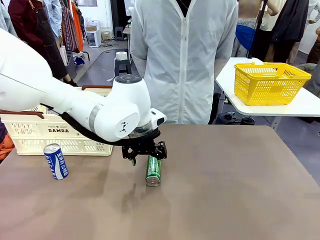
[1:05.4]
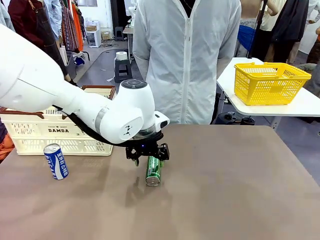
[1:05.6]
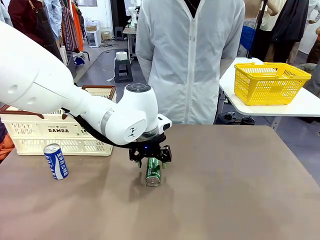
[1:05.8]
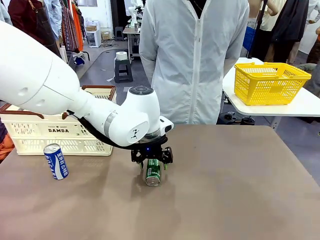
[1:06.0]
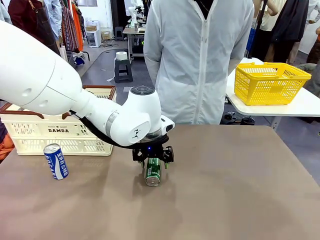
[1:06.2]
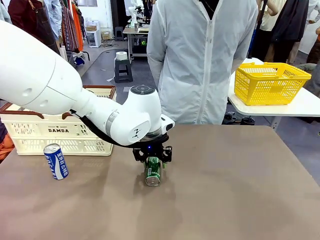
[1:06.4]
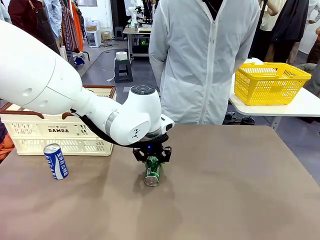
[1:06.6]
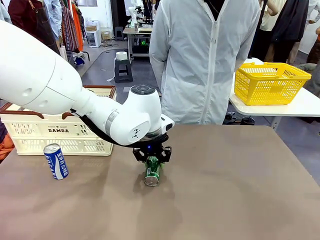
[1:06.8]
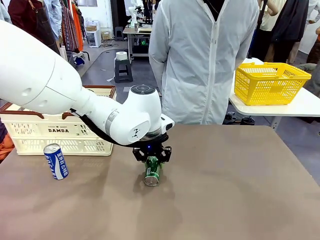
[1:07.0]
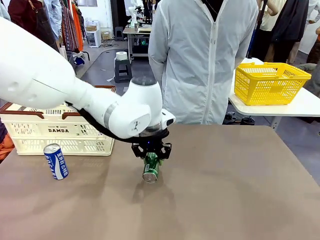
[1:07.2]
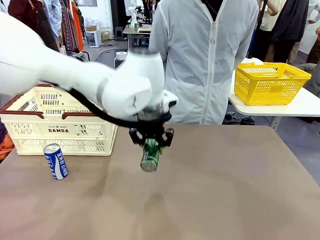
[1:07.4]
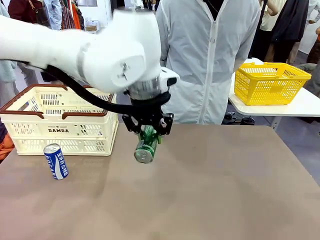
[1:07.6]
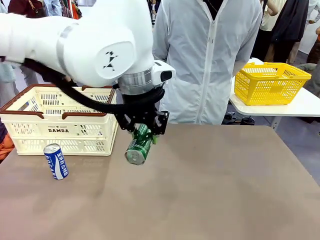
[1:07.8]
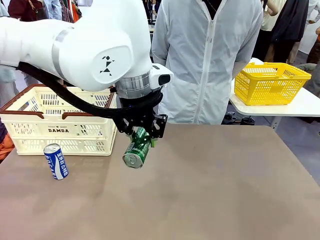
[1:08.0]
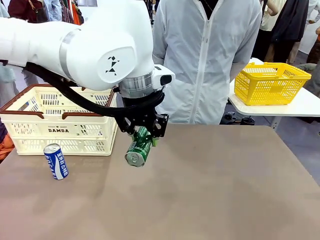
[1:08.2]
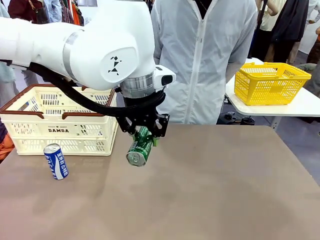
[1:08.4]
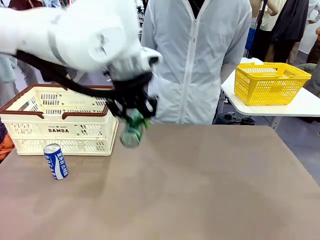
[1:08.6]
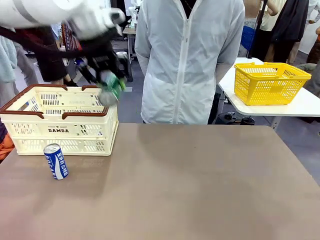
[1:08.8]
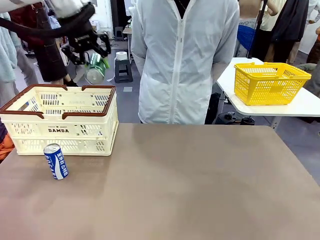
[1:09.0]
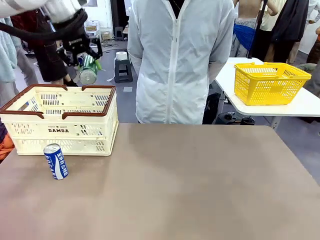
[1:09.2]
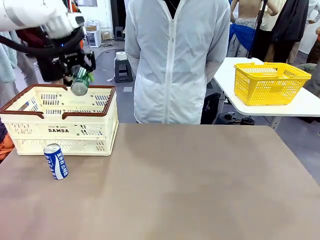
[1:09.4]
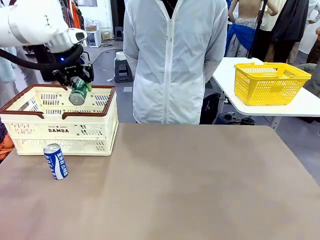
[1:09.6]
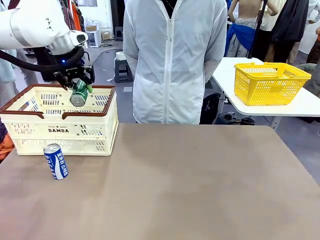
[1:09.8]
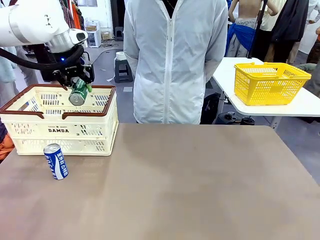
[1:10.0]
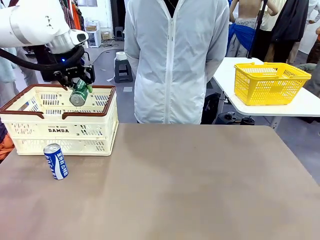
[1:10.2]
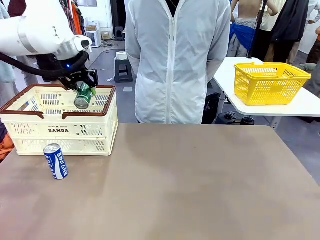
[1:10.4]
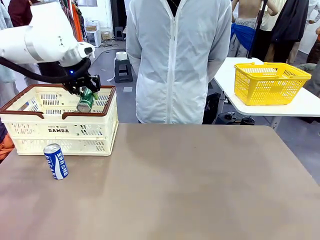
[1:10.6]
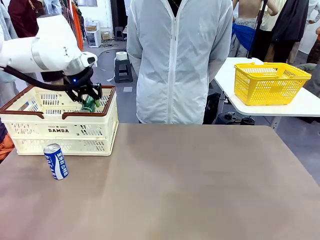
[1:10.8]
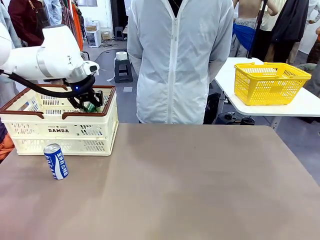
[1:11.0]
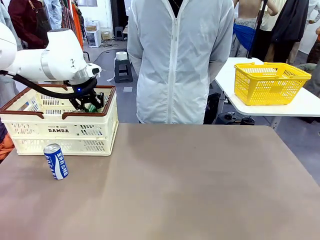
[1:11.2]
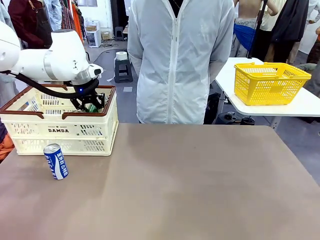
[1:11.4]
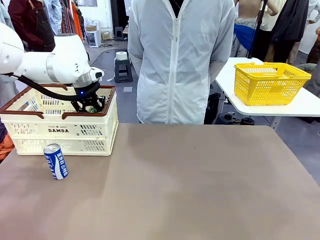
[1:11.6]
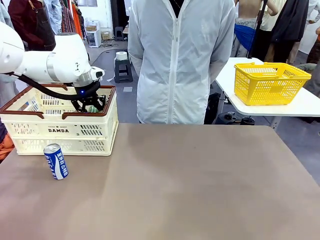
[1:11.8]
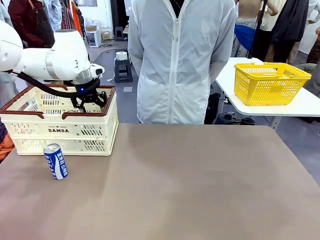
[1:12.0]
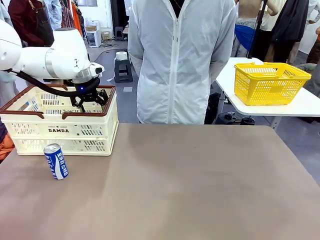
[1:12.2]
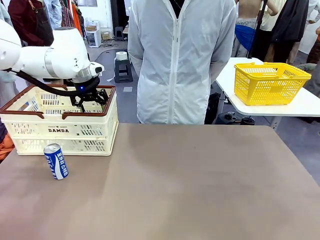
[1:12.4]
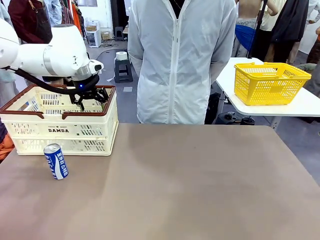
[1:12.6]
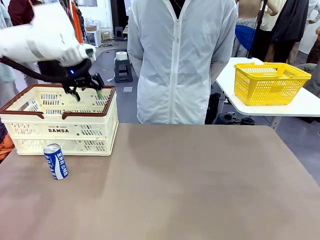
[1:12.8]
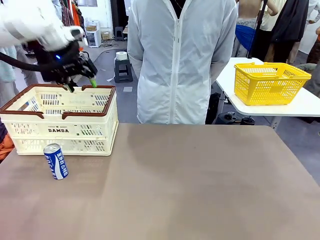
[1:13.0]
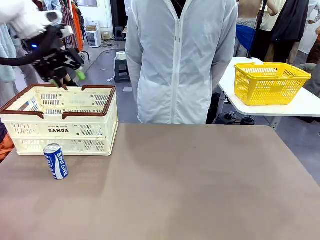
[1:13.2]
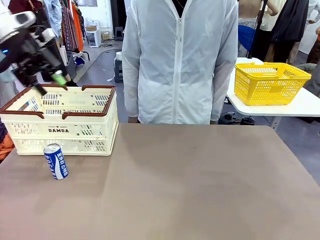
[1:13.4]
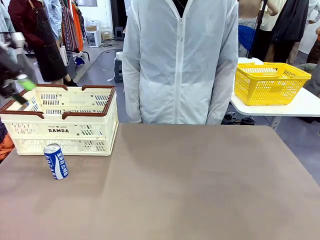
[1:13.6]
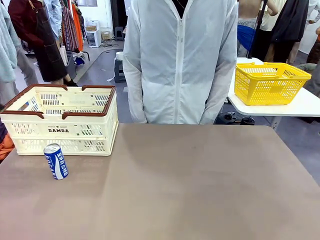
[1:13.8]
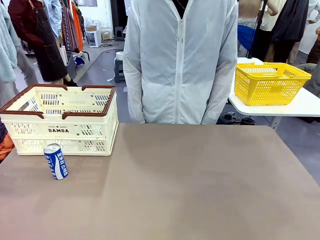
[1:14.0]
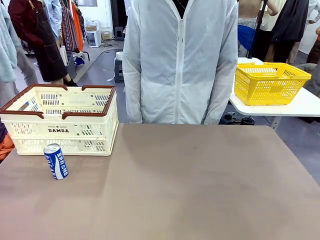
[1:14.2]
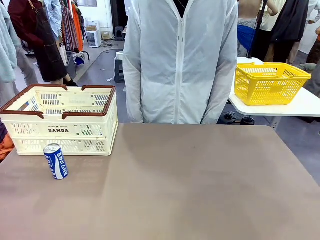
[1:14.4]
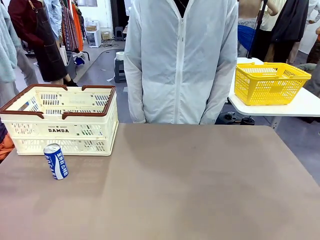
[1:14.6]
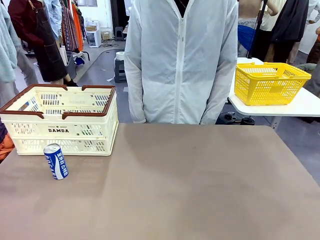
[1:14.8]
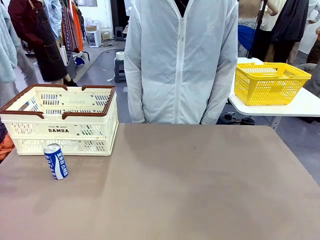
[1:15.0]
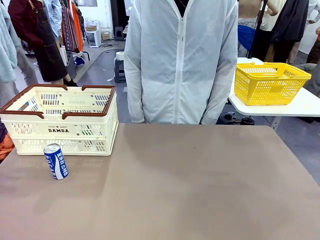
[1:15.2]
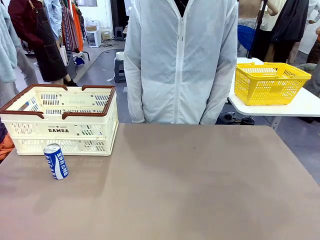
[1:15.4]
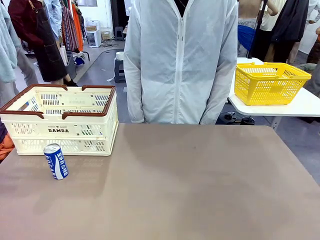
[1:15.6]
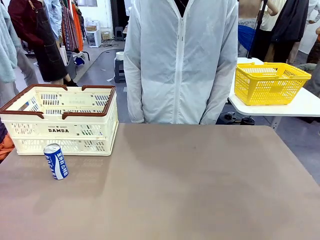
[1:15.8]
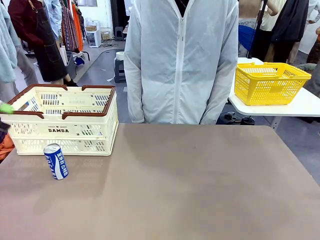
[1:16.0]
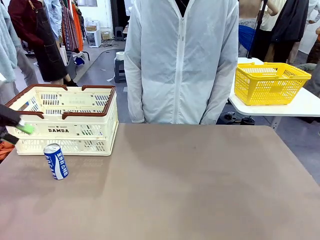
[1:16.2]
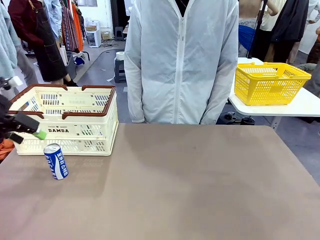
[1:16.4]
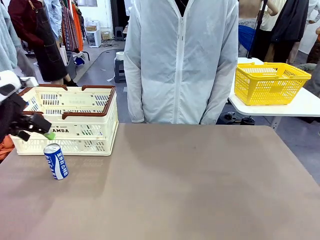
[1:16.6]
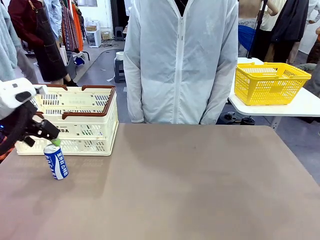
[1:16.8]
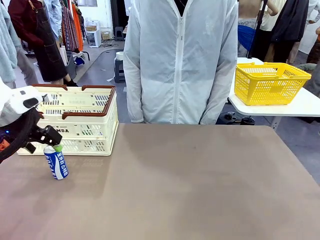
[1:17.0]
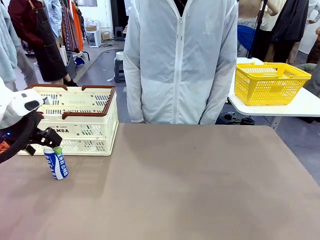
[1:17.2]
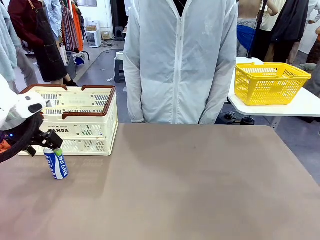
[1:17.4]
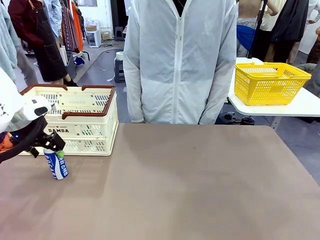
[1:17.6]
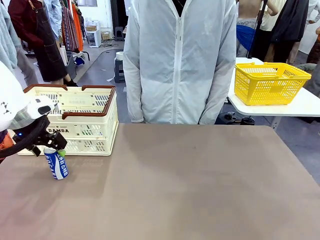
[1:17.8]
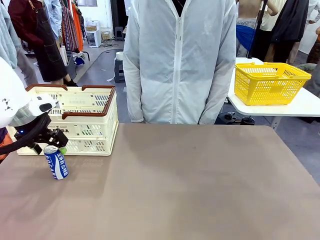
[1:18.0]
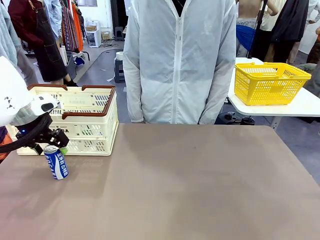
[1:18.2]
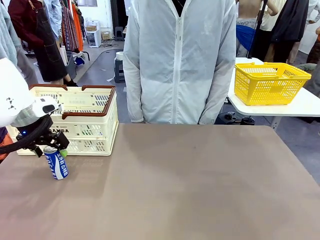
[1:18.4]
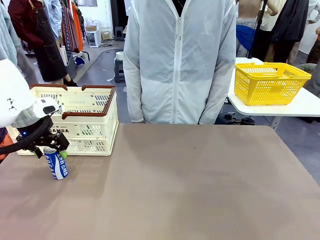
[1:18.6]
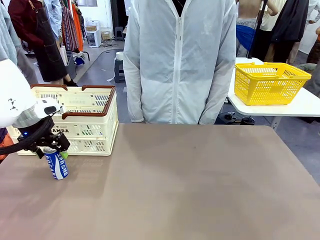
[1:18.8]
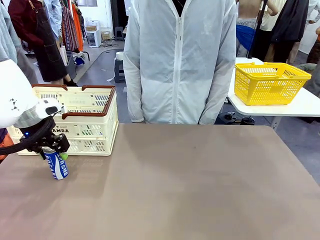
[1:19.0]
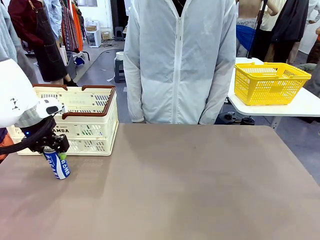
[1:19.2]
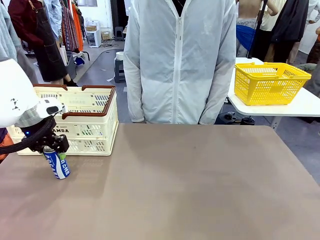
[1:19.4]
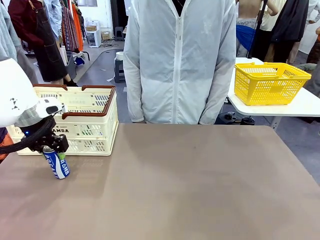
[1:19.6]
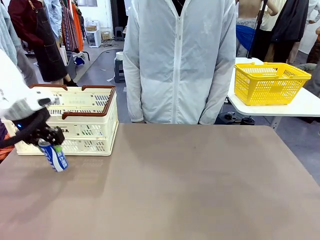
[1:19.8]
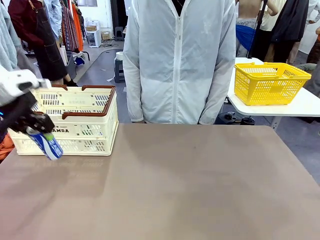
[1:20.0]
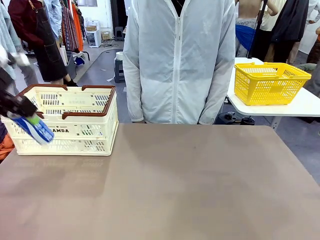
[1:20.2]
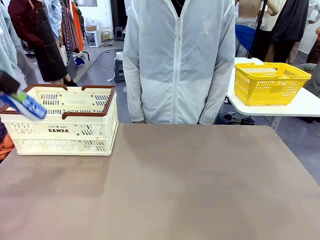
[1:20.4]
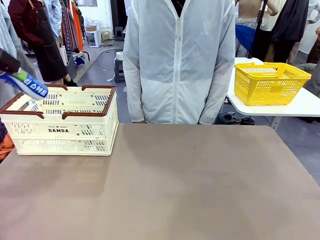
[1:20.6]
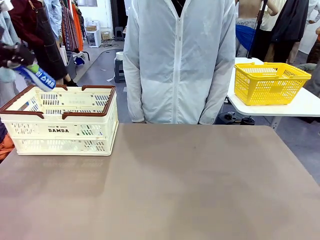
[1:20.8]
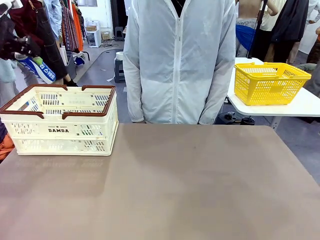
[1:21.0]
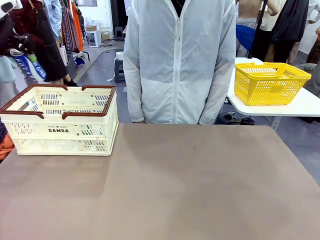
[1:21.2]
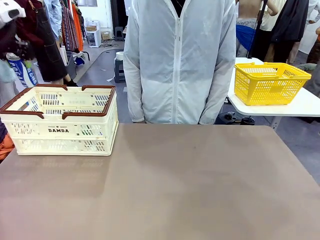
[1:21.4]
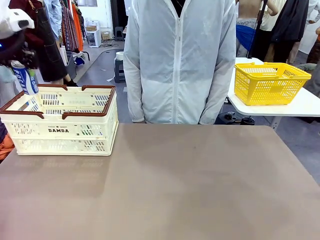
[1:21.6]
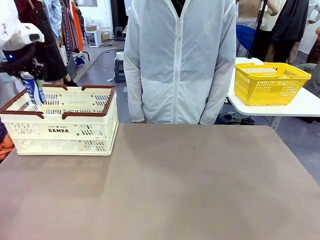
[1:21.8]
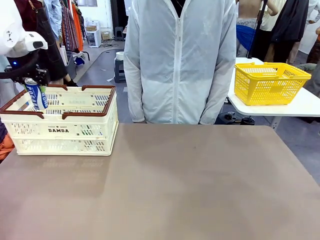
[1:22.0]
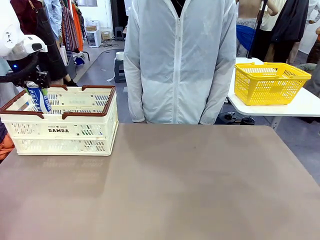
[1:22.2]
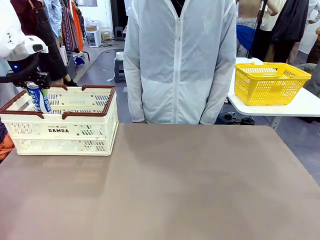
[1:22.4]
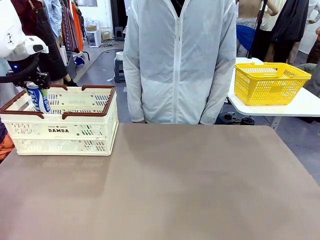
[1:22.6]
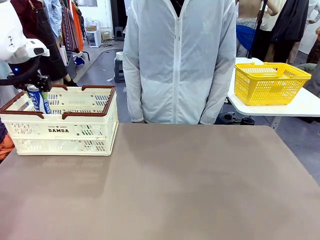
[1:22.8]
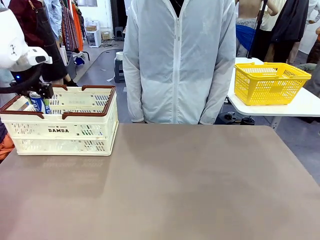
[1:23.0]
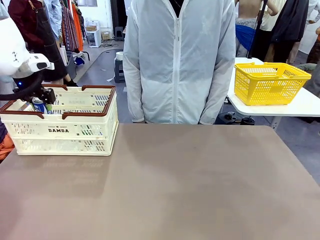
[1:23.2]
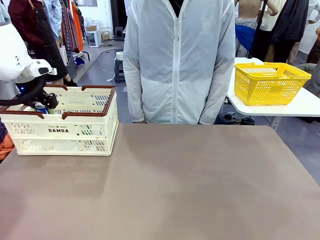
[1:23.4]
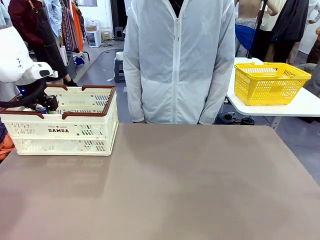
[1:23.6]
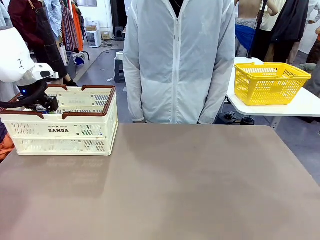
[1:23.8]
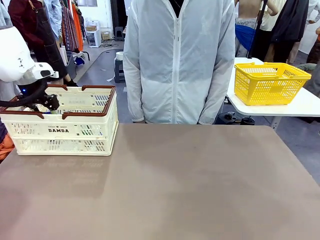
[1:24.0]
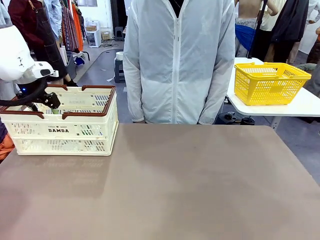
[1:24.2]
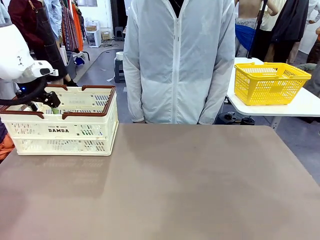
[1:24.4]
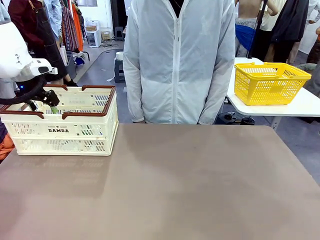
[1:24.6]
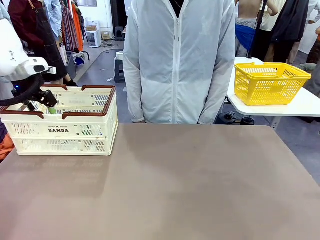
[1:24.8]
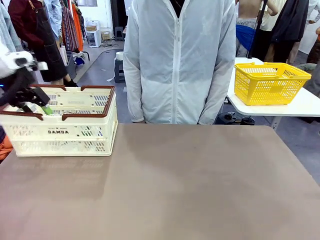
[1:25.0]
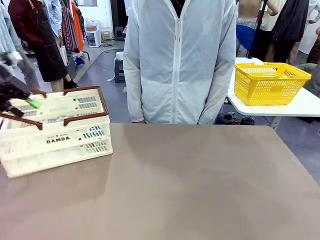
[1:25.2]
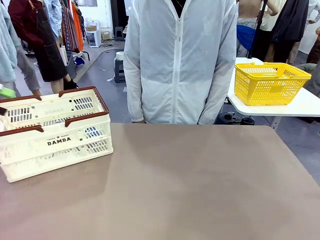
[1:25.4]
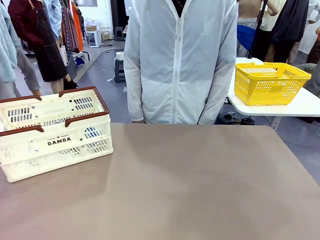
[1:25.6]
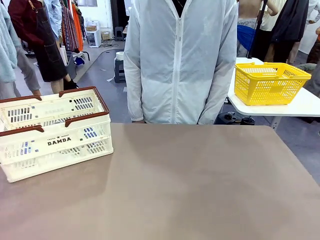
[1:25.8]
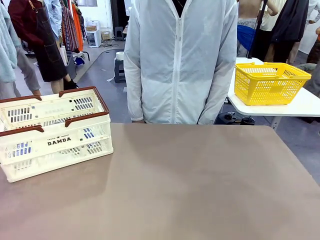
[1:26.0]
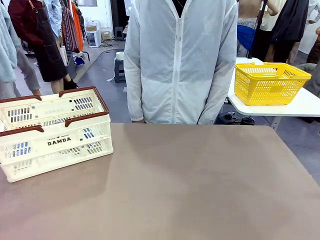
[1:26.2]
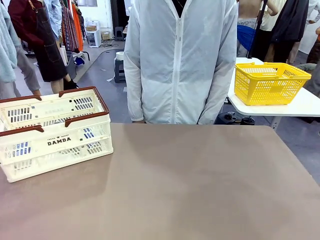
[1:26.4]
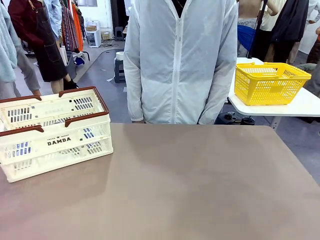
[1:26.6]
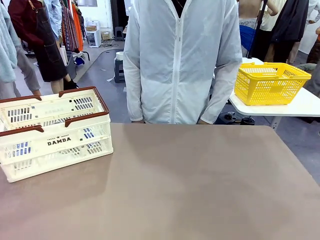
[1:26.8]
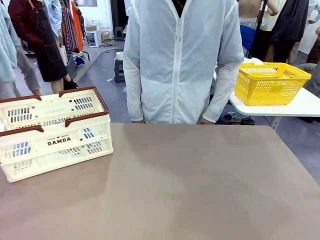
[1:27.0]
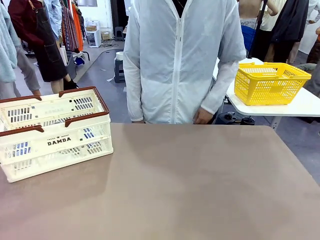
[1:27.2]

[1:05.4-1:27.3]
Task: Place the drinks into the Shopping basket.
Robot: Pick up one drink and place it into the Shopping basket.
